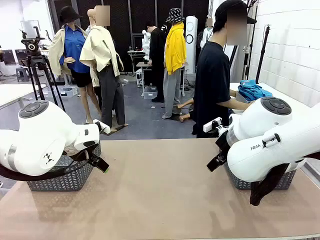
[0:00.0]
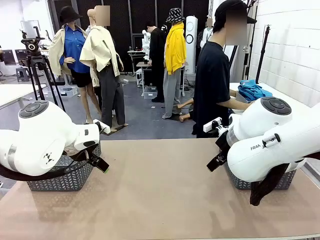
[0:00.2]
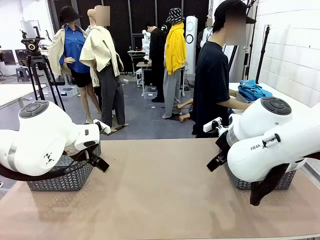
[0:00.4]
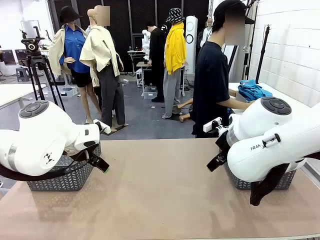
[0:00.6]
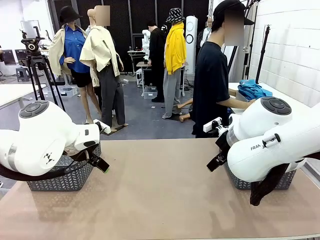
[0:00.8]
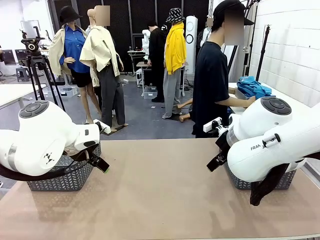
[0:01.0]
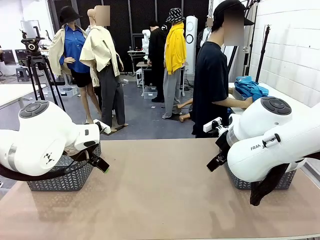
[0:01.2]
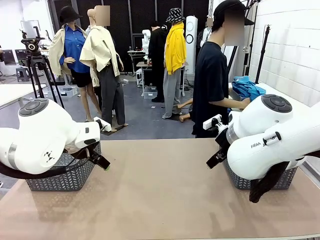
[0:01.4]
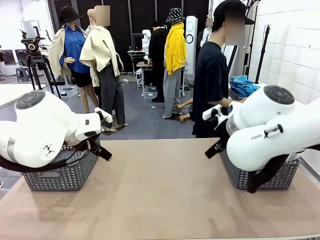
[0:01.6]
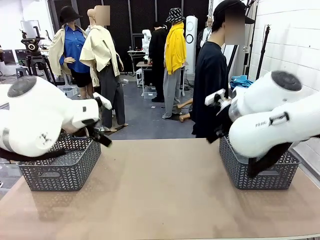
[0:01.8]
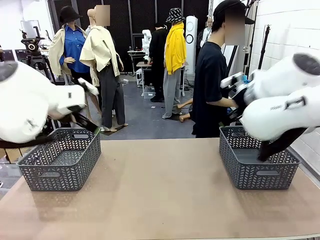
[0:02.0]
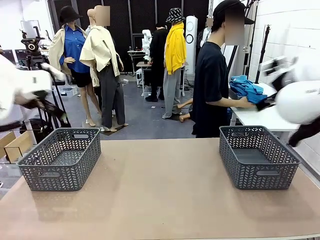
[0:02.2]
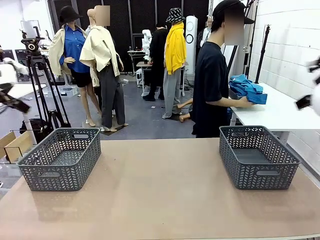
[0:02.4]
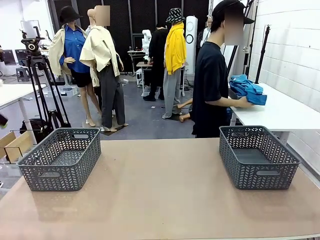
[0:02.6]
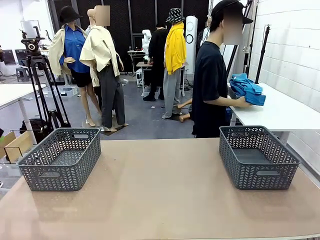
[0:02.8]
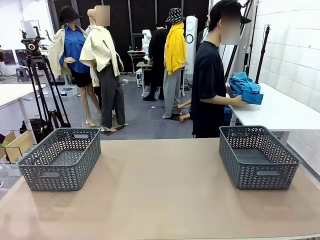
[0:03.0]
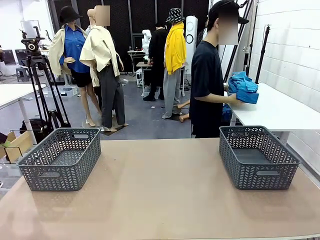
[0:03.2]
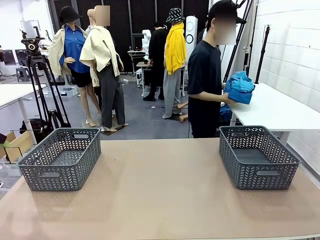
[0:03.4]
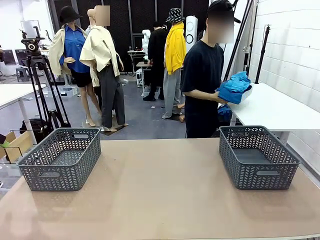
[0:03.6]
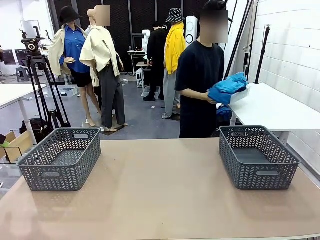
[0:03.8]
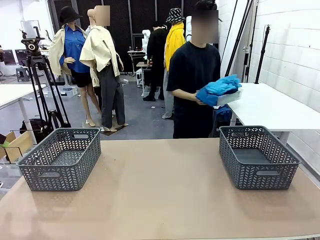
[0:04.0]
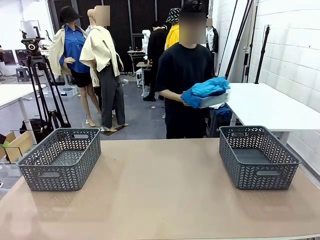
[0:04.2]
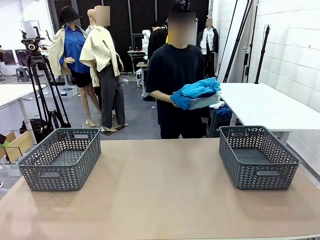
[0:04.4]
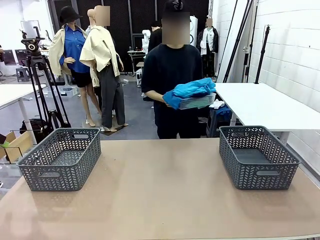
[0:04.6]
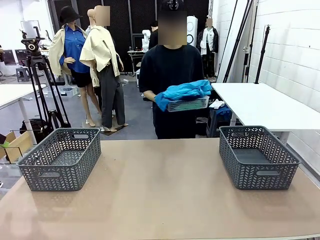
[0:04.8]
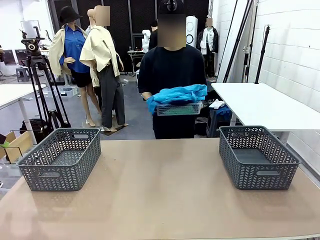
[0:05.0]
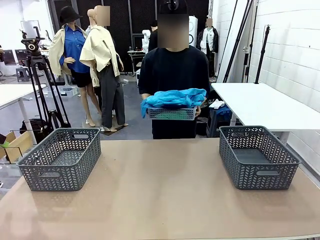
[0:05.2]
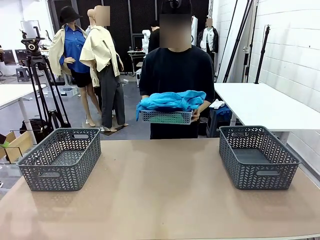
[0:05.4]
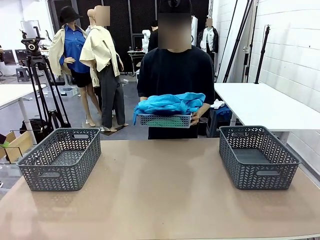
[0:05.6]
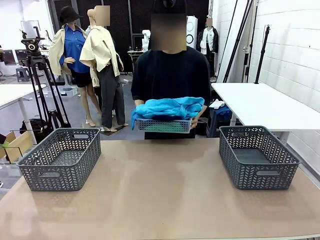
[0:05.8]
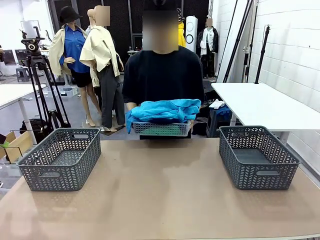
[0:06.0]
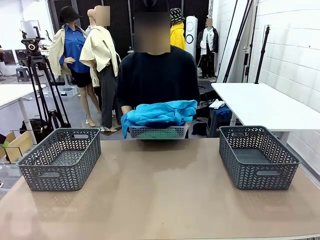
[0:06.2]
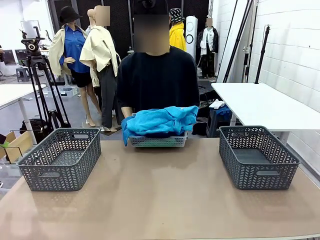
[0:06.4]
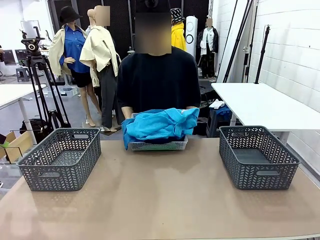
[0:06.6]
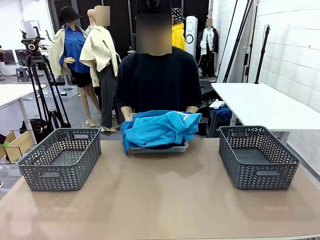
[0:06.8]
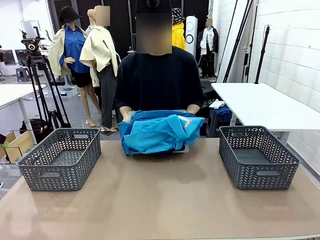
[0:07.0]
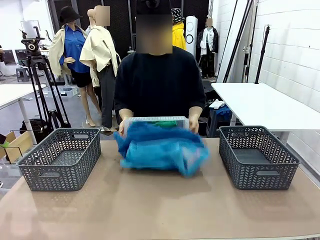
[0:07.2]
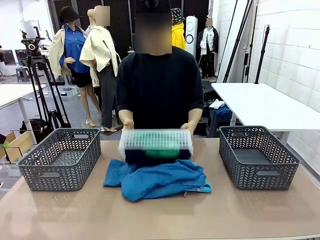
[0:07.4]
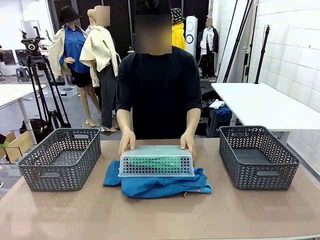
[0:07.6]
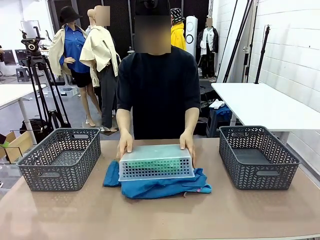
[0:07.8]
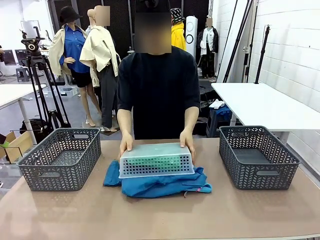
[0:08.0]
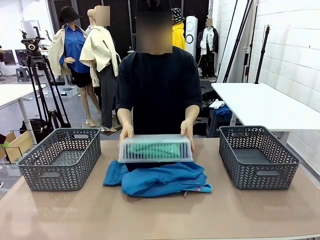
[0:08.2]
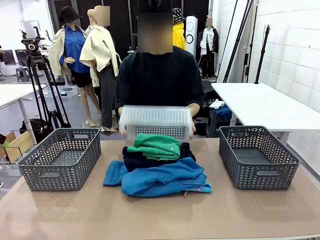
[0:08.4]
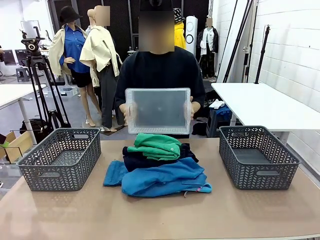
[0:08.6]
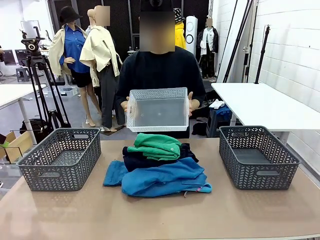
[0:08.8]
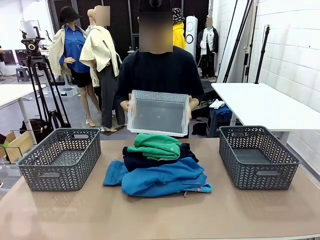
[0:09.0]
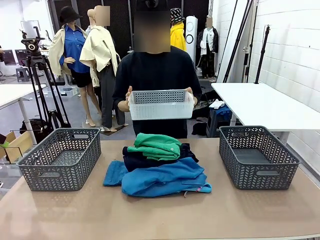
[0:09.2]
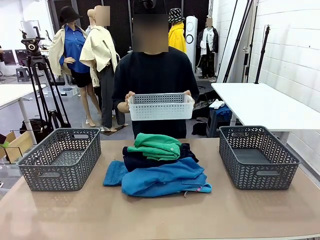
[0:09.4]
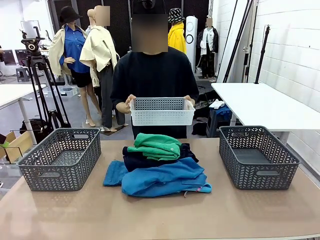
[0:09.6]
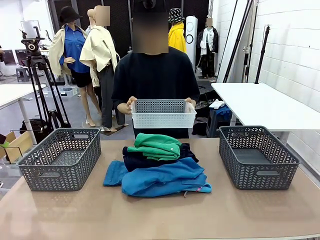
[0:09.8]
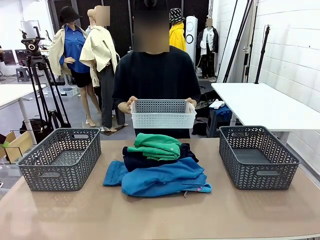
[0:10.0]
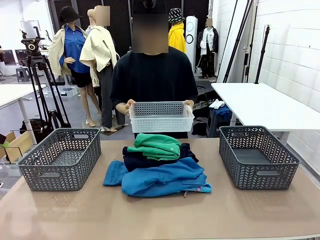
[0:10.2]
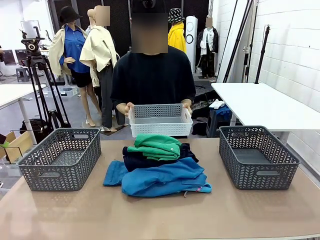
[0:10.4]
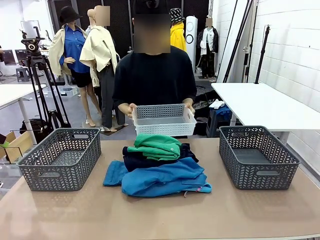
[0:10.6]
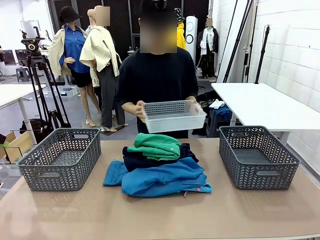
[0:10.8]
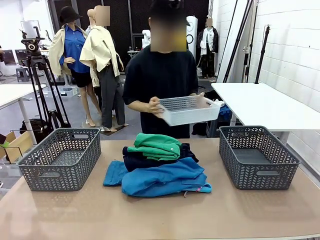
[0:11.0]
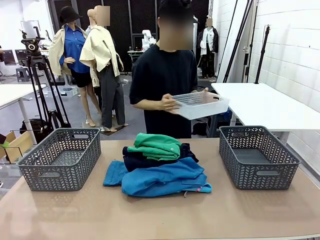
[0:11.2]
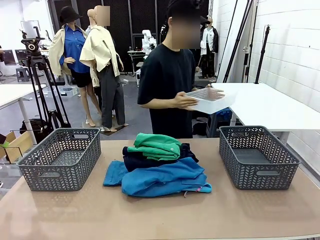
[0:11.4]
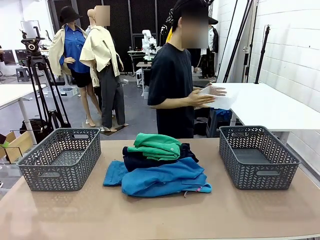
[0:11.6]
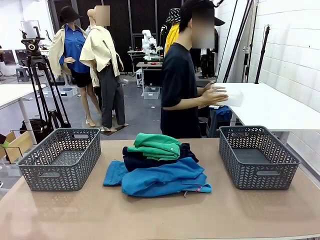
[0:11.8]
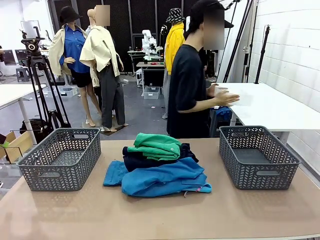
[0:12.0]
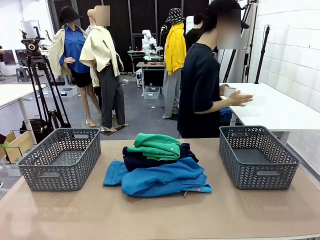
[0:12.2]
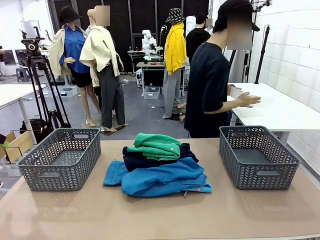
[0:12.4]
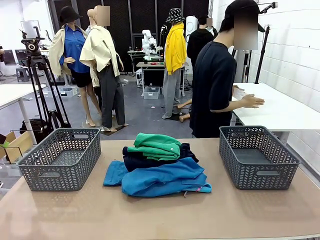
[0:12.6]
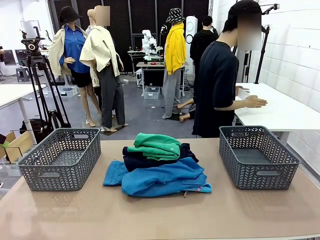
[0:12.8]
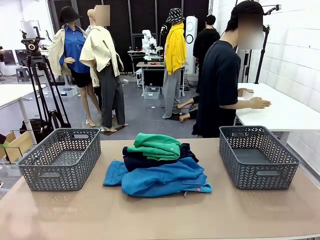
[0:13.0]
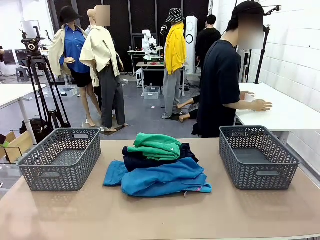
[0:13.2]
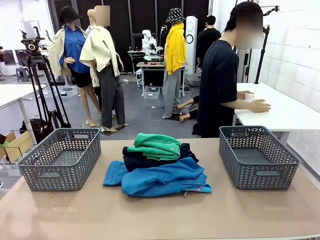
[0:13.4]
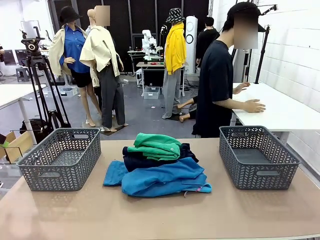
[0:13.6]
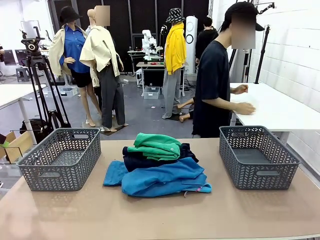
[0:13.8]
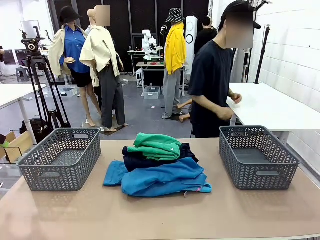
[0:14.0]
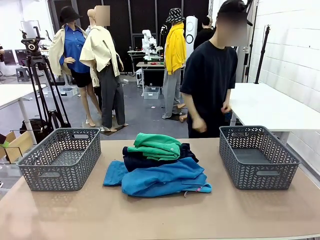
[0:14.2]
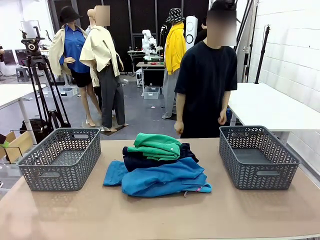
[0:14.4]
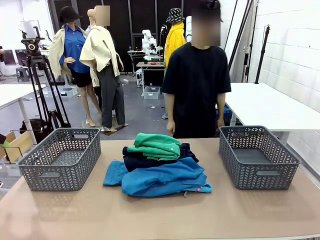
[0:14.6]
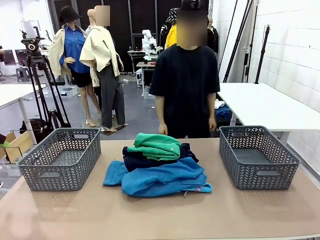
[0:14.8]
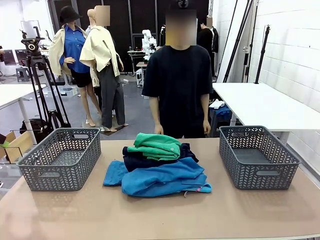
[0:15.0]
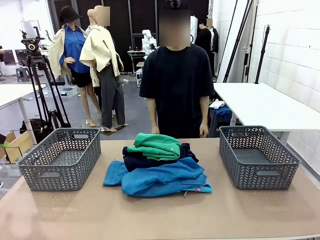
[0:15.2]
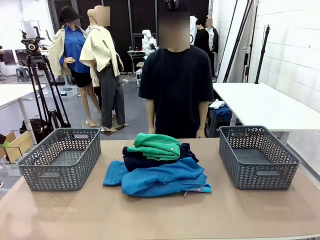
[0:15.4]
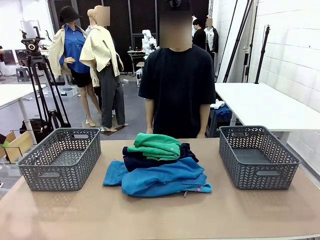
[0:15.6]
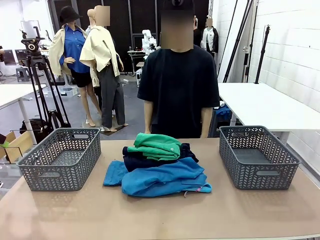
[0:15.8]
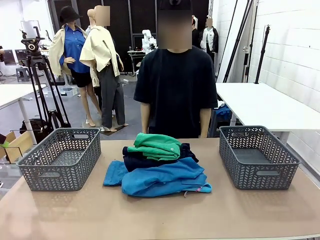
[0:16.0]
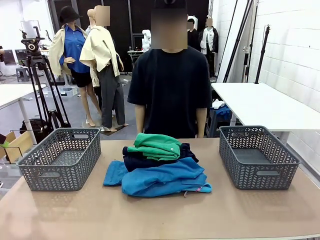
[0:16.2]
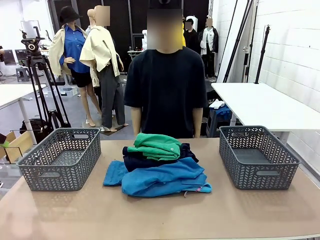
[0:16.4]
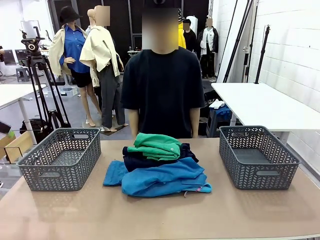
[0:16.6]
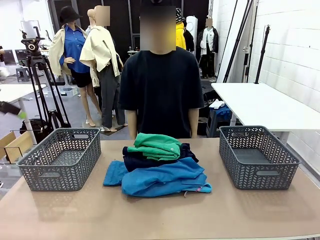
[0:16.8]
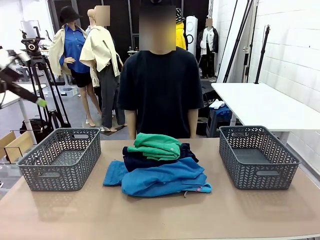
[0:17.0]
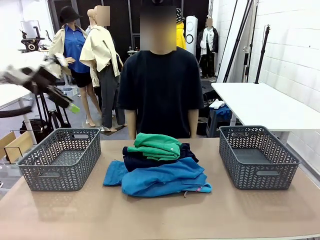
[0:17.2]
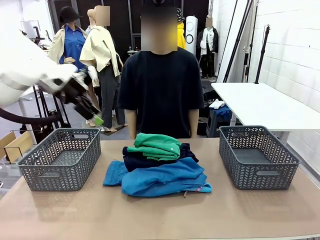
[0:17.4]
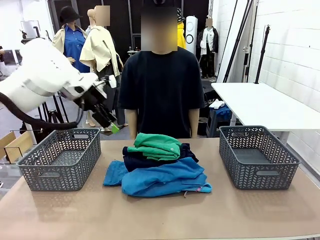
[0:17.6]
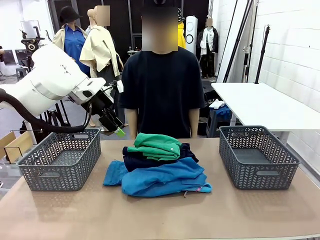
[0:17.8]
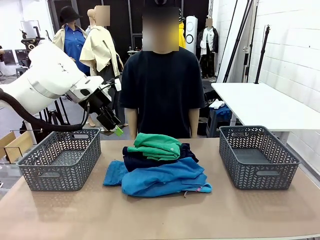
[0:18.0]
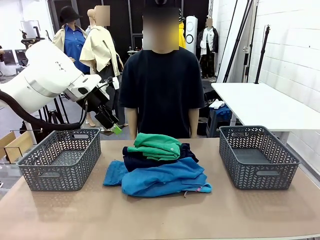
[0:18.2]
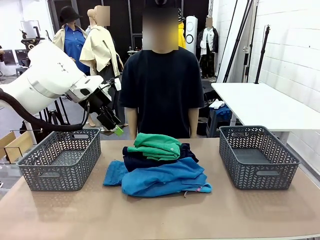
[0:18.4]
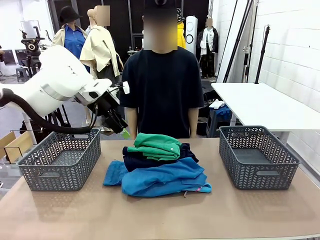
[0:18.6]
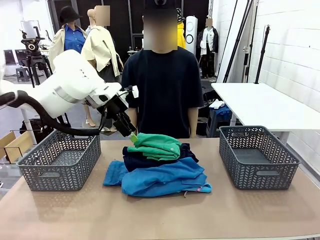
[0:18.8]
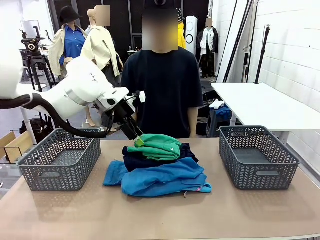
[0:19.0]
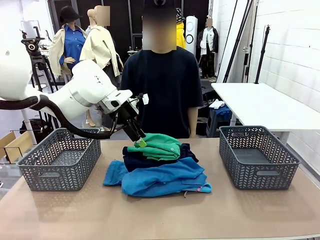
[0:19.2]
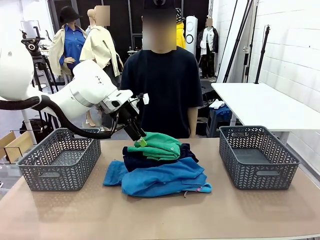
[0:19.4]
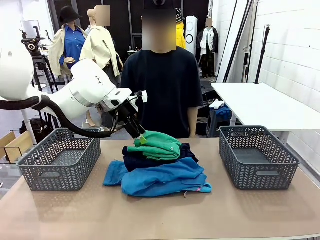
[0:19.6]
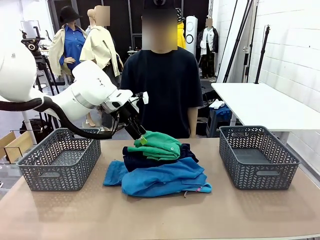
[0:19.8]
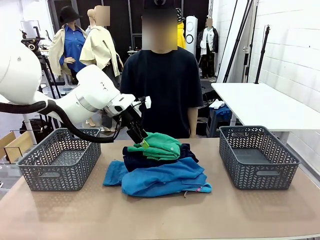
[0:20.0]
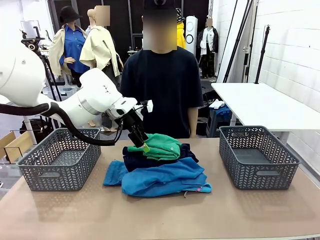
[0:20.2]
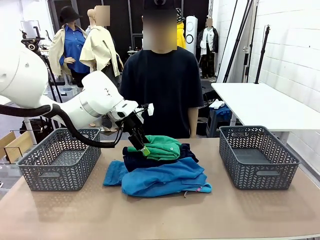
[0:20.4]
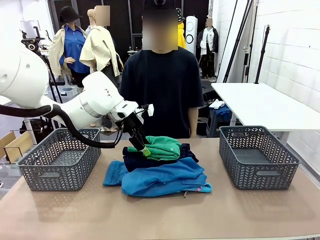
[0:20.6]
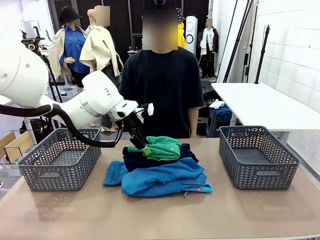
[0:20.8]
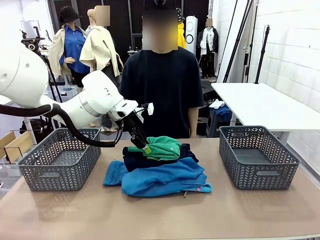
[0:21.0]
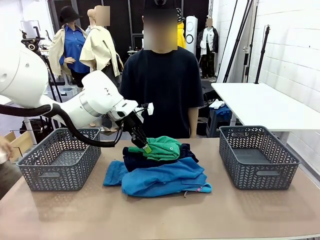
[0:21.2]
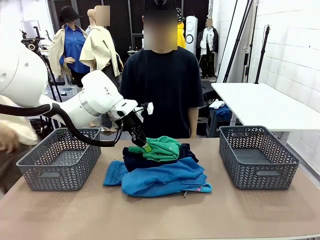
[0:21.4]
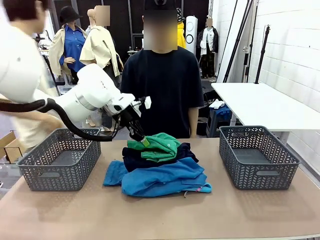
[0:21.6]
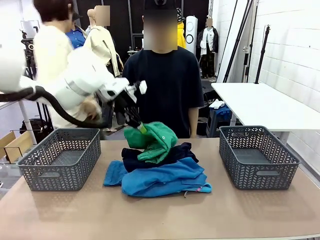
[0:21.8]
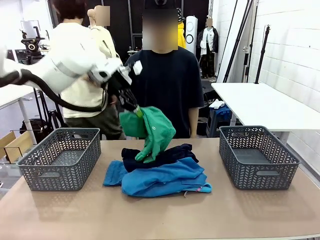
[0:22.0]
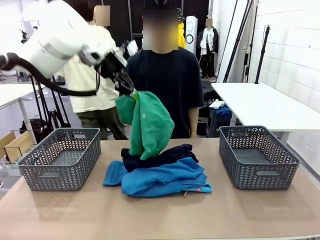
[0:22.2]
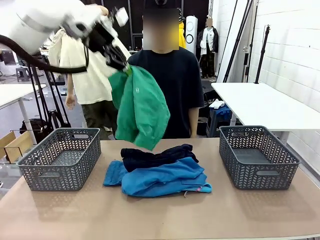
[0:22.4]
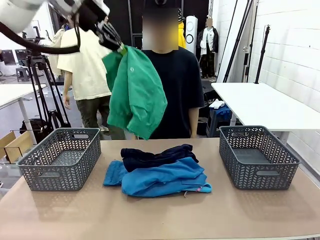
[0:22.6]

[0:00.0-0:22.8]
Task: Sort the tops and bottoms.
Robot: Lift clothes from the center of the table with your left hand.
Person: Pour the clothes from the basket onto the center of the robot table.
